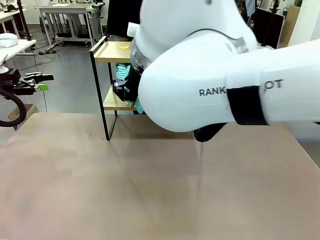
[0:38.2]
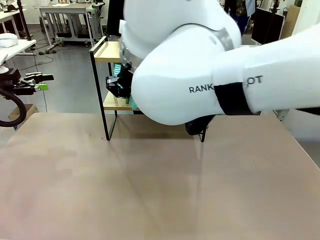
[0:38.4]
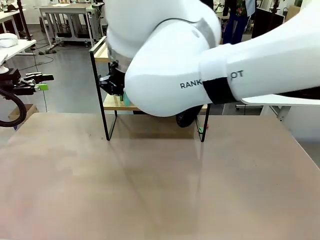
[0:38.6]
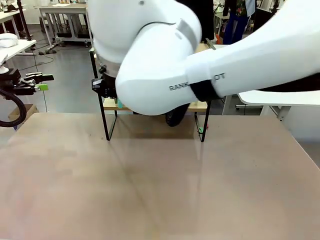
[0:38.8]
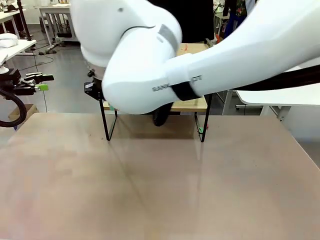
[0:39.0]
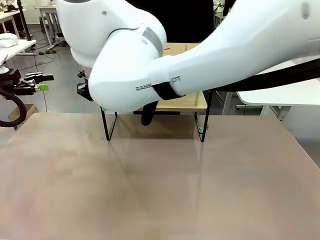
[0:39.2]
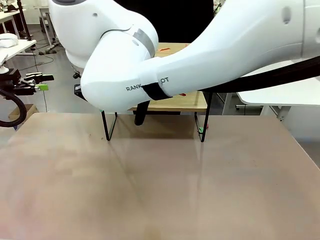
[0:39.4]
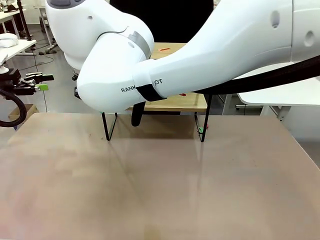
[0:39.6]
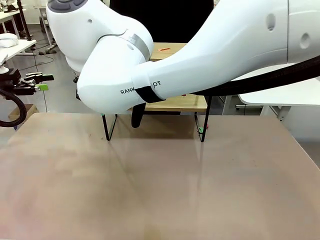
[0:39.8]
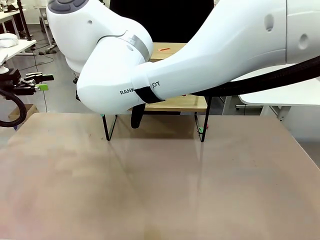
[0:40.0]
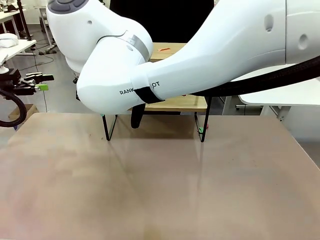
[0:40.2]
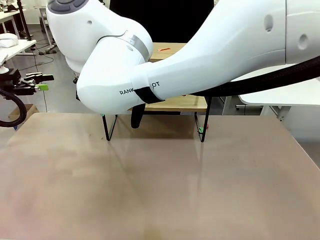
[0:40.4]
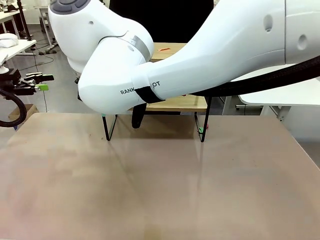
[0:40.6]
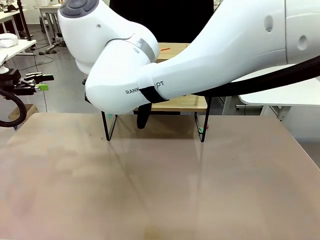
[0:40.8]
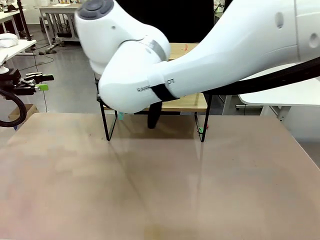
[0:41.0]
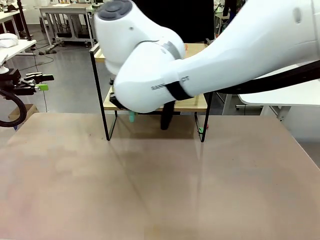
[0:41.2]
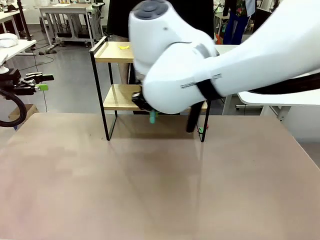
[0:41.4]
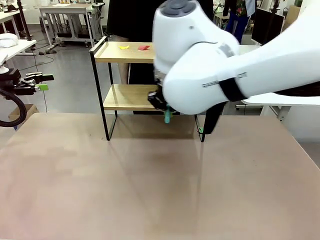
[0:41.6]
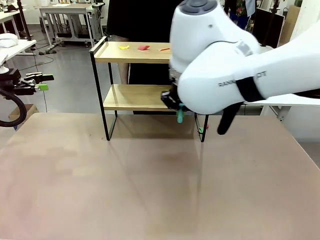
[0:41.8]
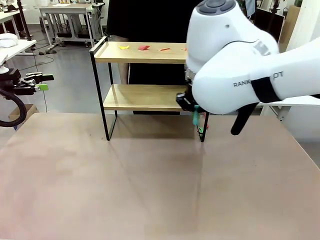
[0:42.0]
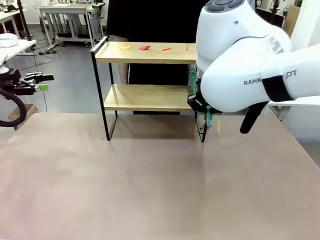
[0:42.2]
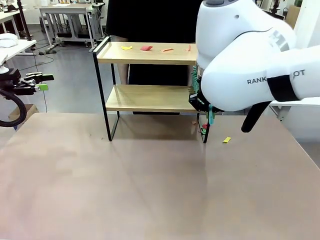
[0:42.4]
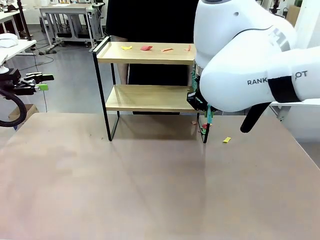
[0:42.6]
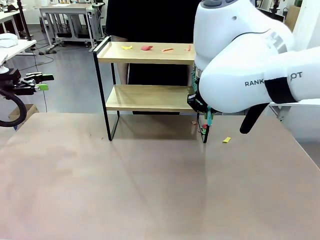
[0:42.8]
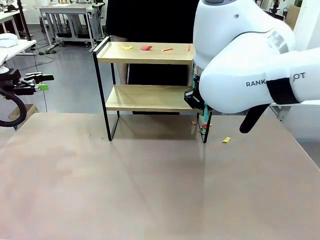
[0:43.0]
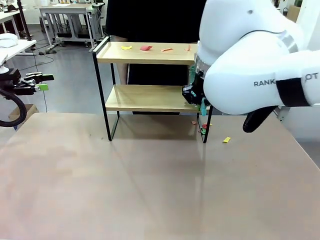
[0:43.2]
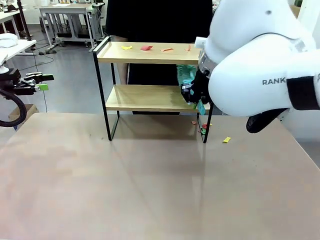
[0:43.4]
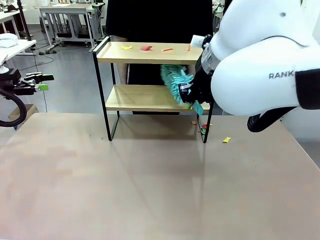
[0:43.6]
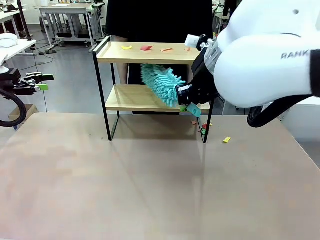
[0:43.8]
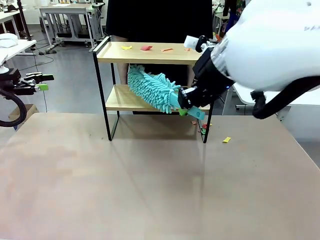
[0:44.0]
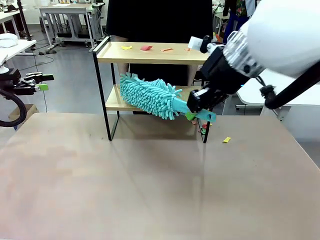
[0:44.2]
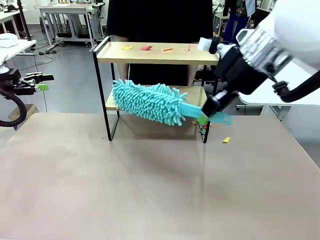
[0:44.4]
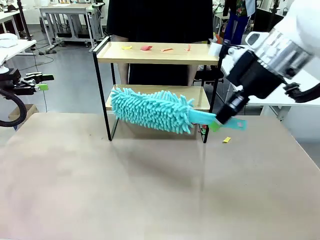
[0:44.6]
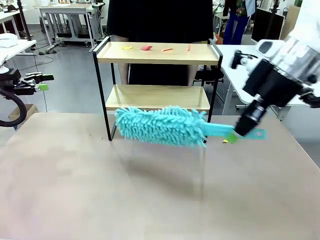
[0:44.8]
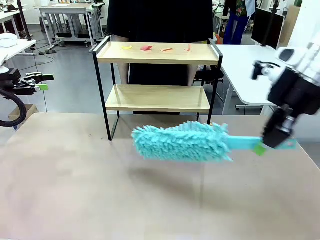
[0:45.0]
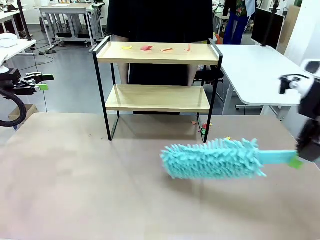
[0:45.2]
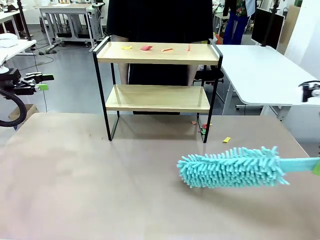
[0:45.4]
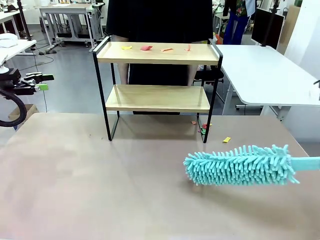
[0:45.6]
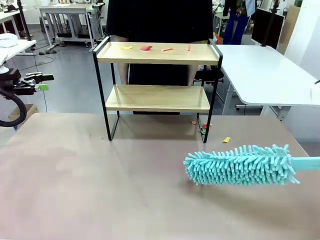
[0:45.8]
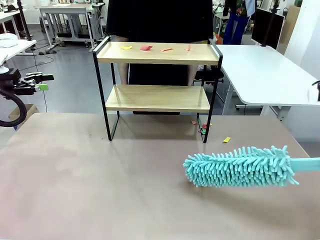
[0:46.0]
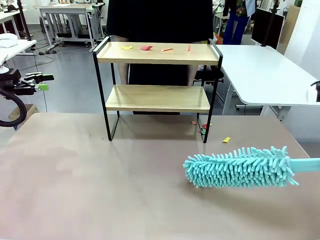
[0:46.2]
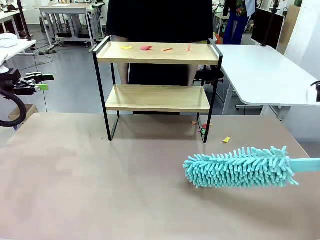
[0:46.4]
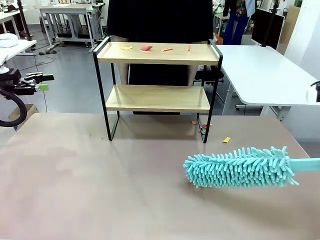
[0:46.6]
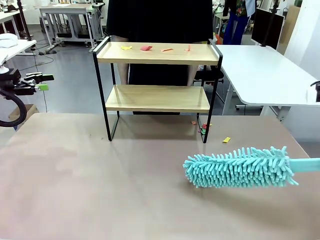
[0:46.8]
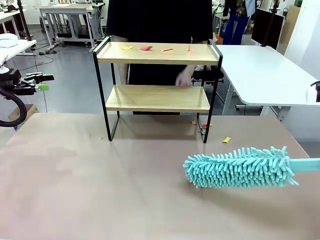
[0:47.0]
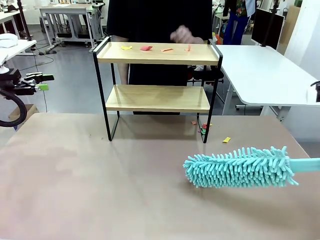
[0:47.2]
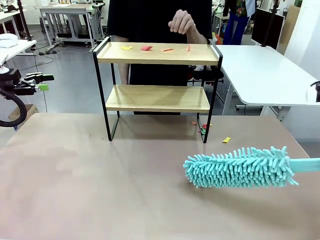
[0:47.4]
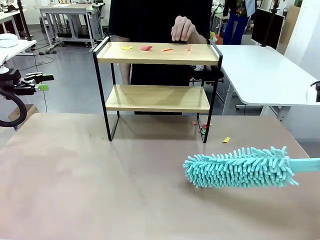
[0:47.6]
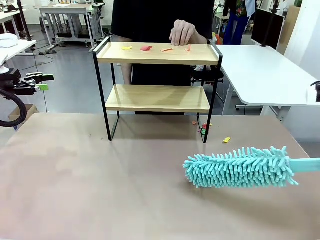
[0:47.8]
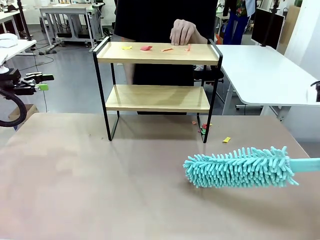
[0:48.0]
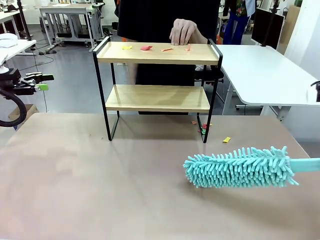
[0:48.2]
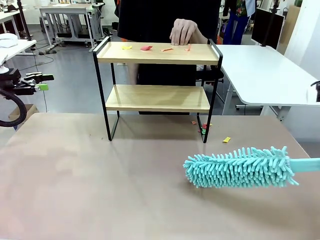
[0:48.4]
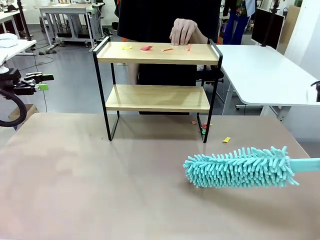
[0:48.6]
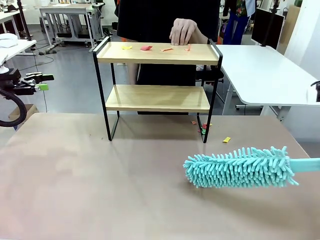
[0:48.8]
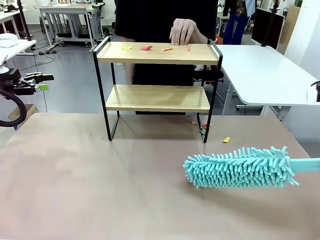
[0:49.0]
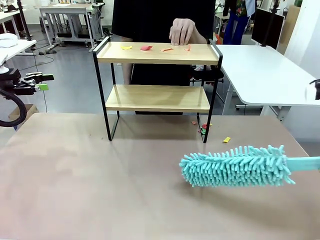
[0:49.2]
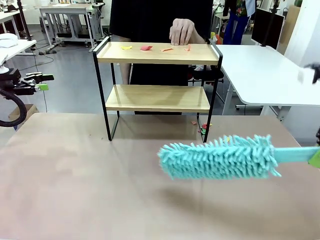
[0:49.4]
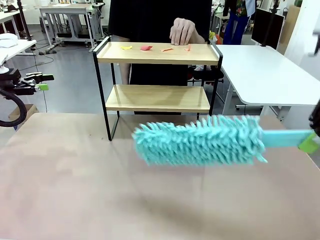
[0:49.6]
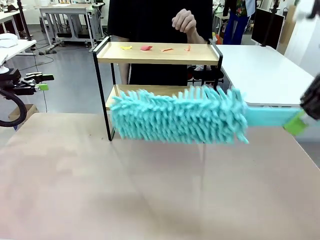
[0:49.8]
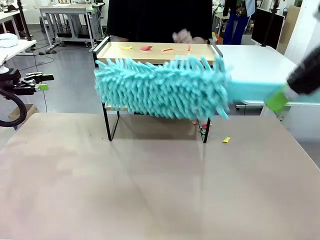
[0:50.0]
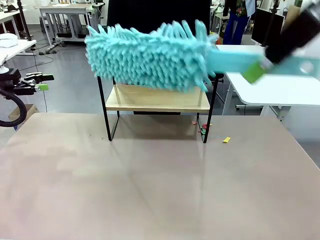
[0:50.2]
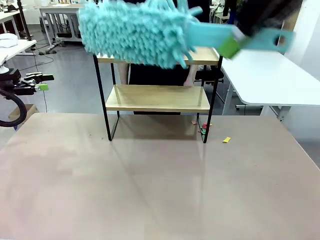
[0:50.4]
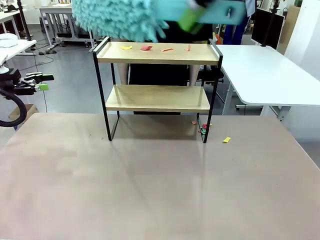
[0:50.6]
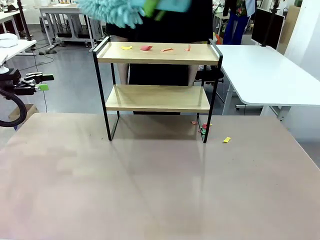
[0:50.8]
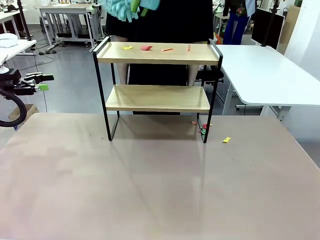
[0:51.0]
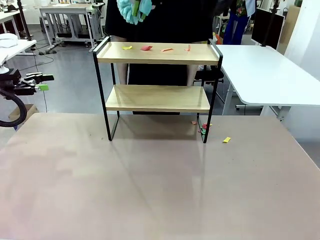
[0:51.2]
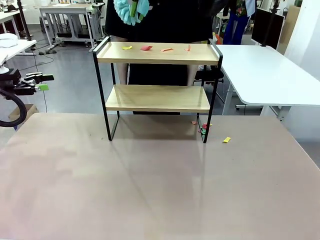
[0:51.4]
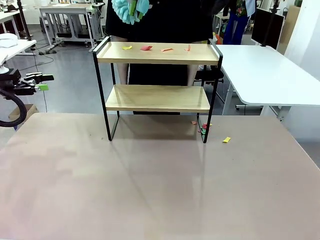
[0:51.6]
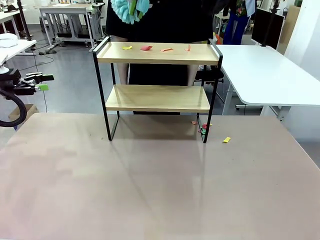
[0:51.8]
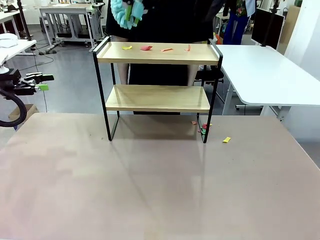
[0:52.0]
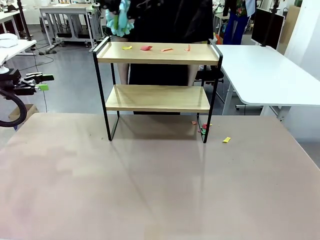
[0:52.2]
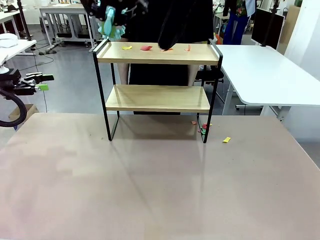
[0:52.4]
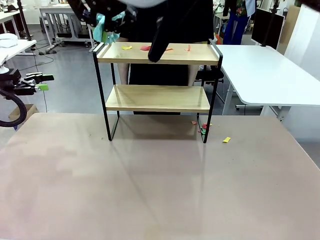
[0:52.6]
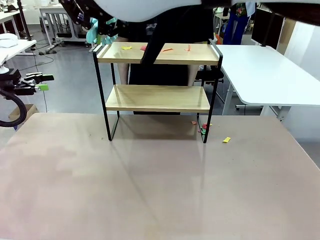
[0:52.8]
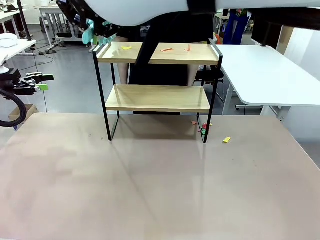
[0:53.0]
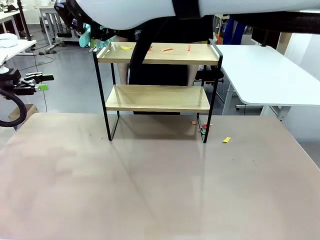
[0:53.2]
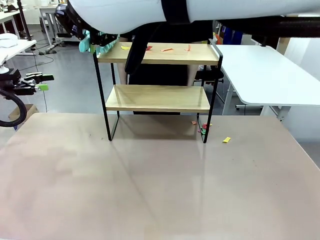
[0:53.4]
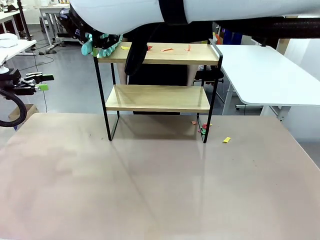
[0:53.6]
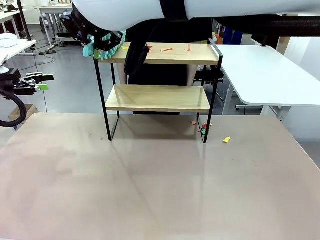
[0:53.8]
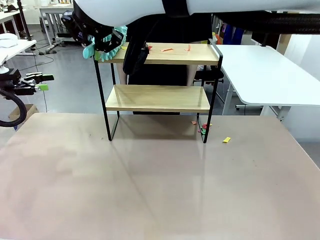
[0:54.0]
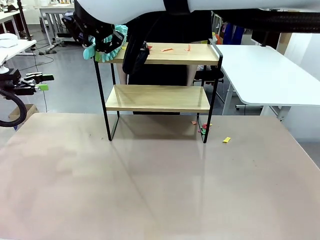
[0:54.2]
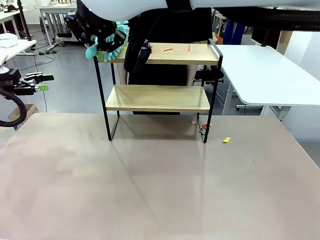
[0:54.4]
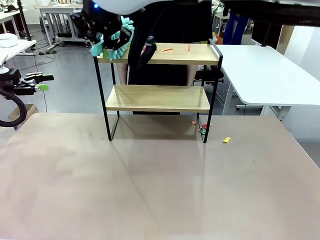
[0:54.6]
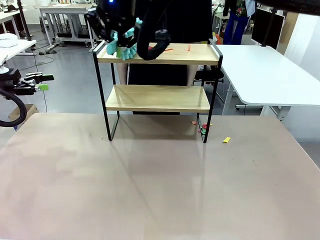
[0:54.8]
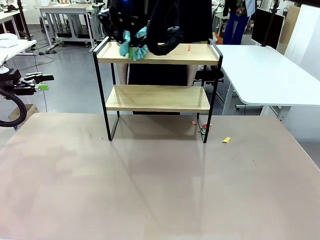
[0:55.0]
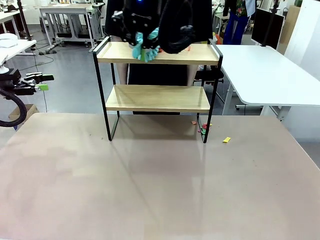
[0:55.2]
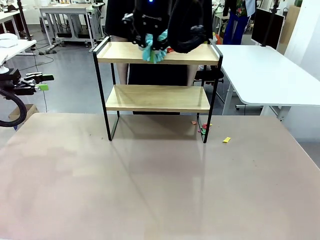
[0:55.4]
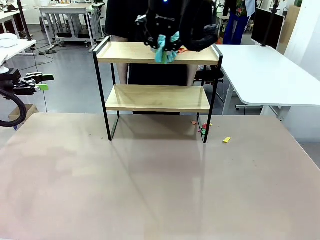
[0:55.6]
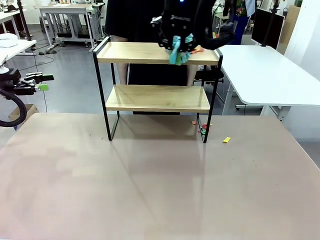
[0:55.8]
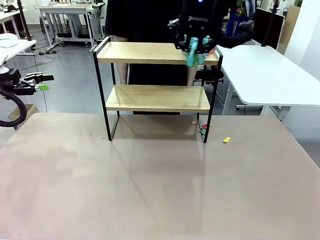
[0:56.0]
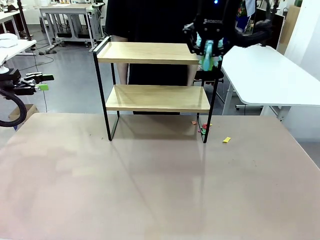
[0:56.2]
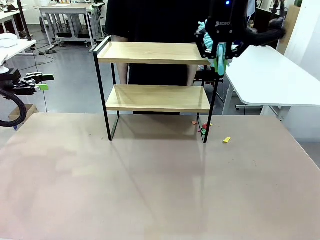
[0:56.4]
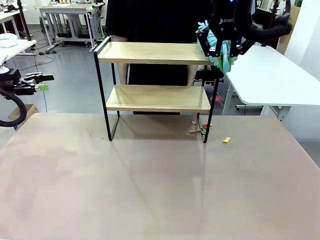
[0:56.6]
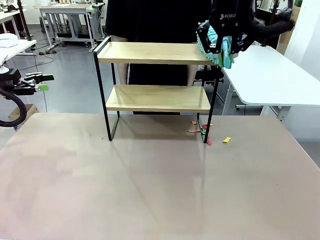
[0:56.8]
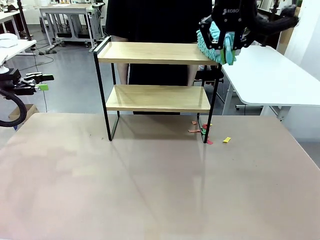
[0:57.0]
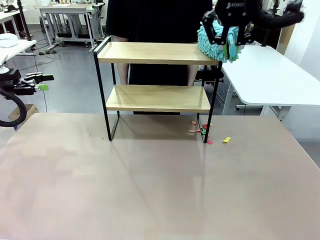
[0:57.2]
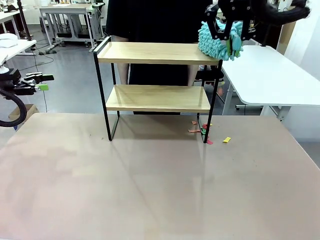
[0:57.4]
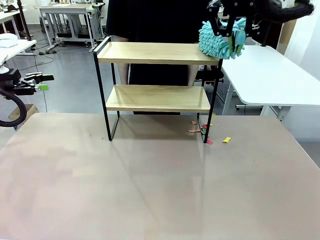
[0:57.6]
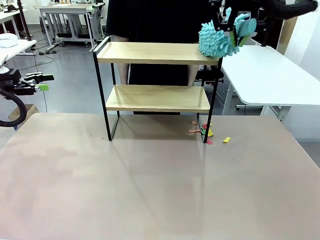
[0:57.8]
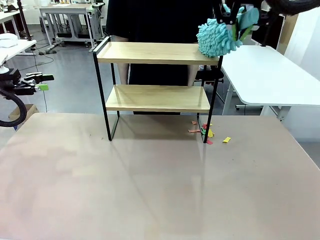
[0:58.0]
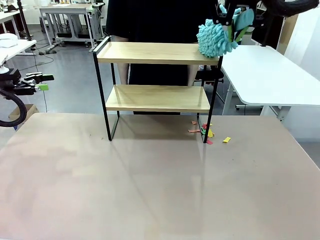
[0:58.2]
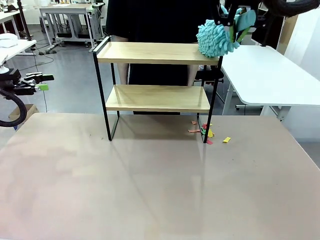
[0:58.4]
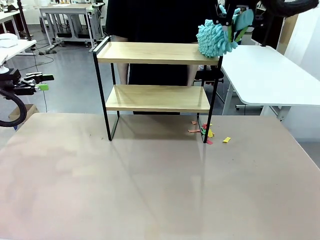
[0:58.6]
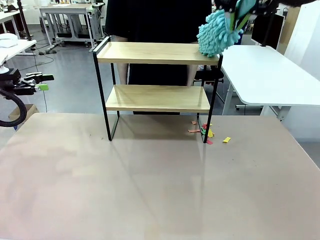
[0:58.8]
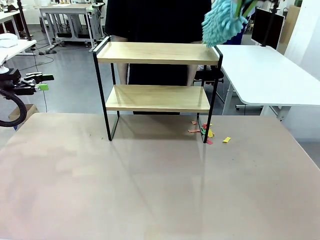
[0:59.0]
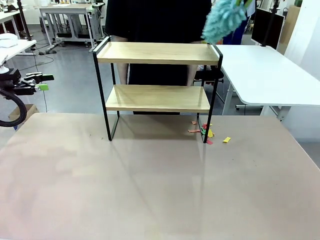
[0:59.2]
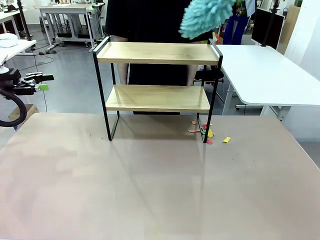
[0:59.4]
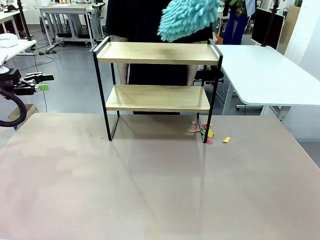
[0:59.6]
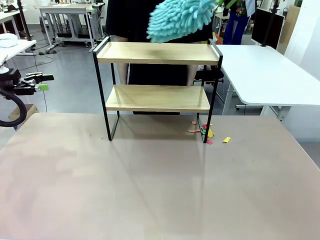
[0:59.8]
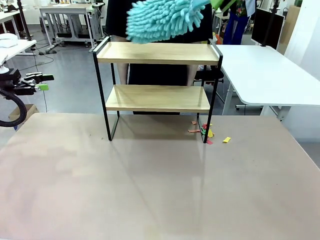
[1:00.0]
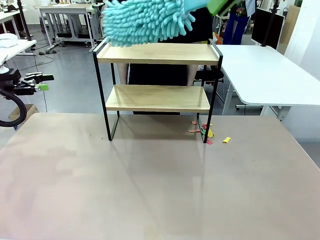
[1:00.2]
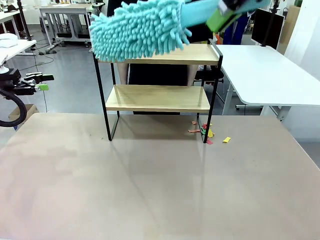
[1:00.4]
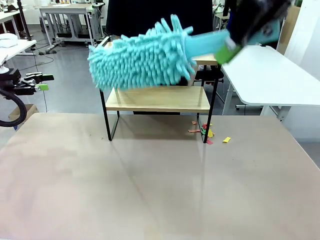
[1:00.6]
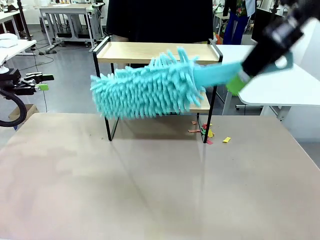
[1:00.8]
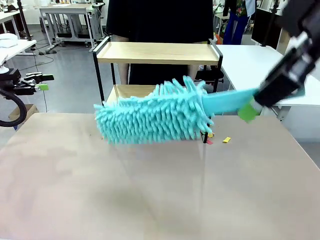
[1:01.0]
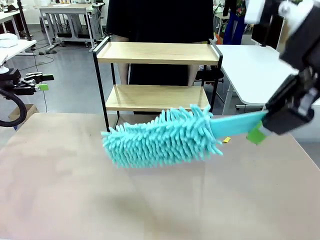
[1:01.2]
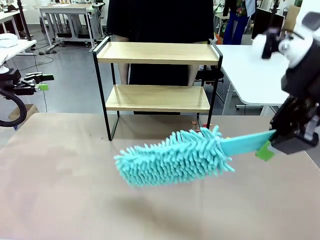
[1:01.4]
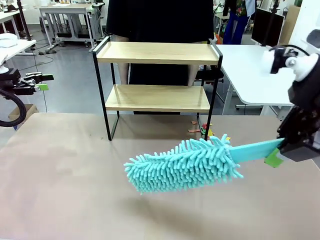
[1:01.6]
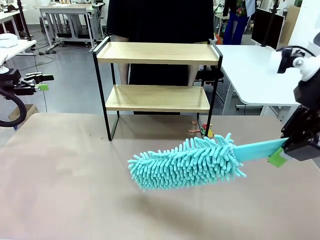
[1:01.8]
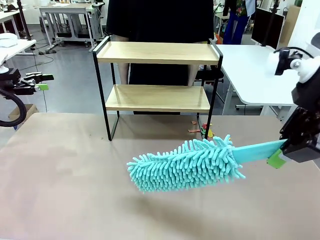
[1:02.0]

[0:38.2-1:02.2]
Task: Clean the shelf.
Robot: Clean the specific section of the Shelf indicated by the human with the Duster.
Person: Point a remaining section of the Shelf.
